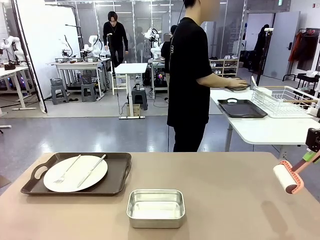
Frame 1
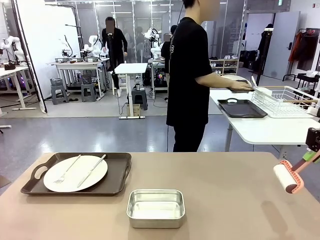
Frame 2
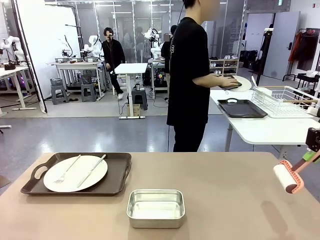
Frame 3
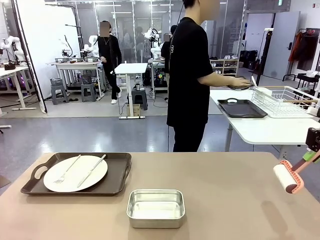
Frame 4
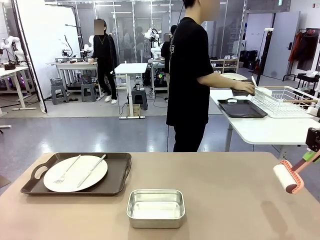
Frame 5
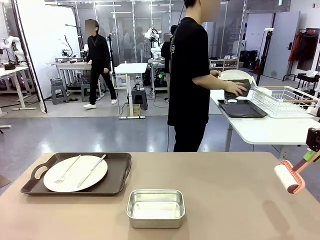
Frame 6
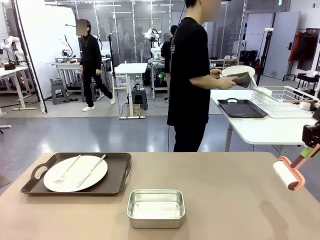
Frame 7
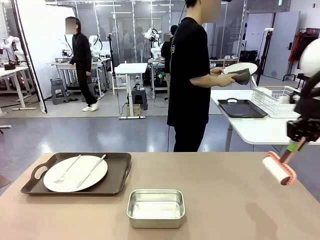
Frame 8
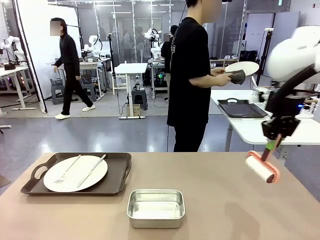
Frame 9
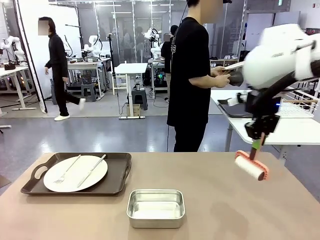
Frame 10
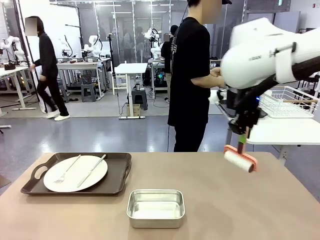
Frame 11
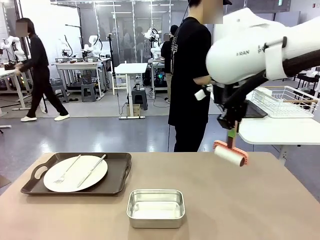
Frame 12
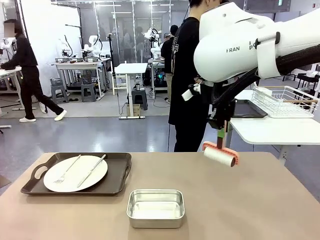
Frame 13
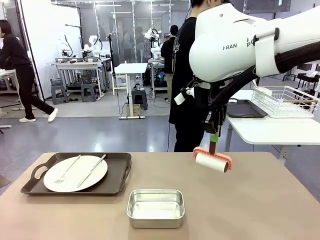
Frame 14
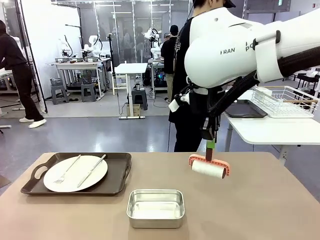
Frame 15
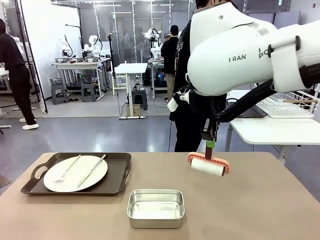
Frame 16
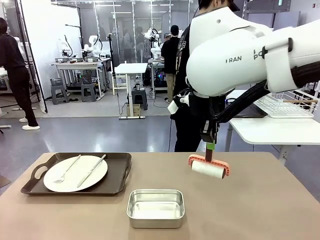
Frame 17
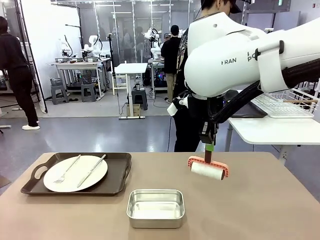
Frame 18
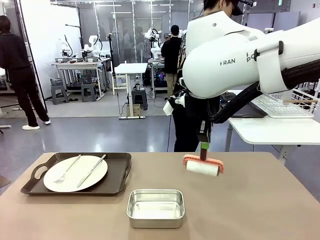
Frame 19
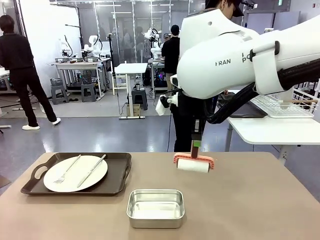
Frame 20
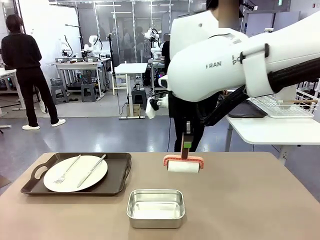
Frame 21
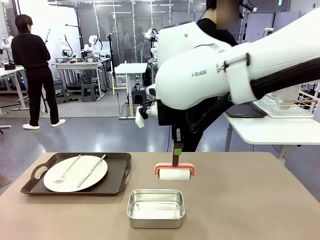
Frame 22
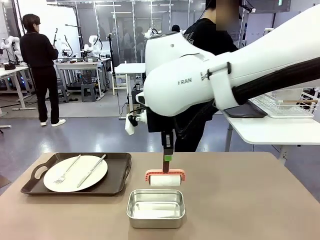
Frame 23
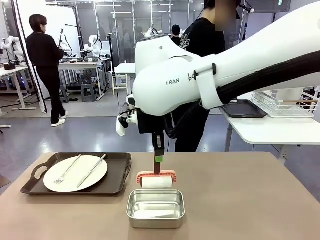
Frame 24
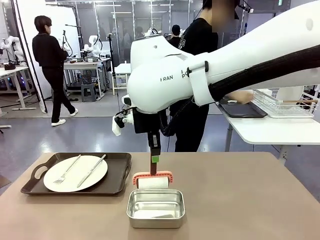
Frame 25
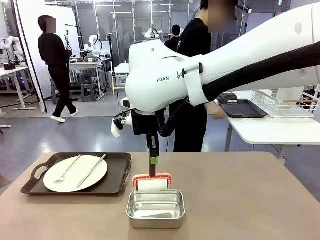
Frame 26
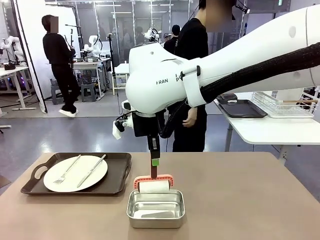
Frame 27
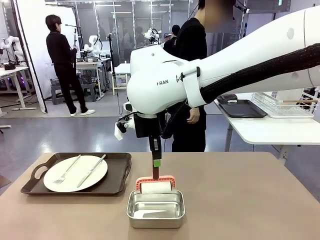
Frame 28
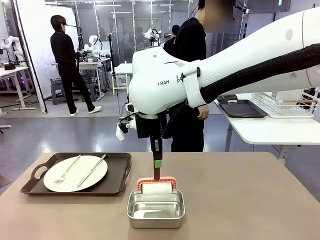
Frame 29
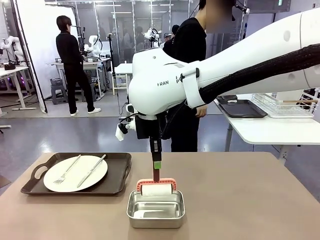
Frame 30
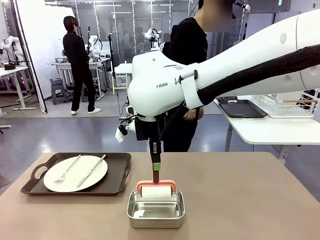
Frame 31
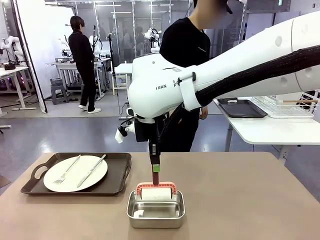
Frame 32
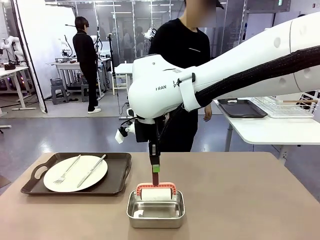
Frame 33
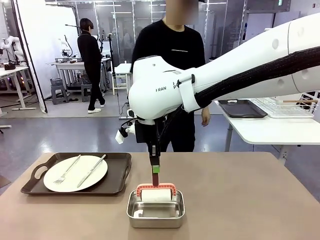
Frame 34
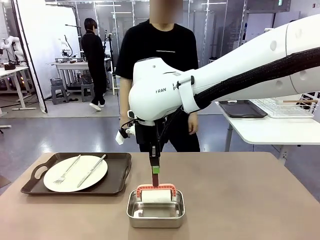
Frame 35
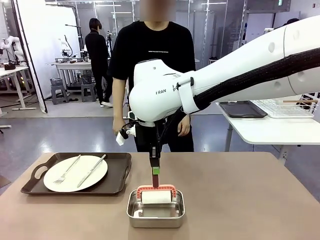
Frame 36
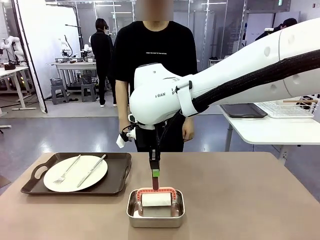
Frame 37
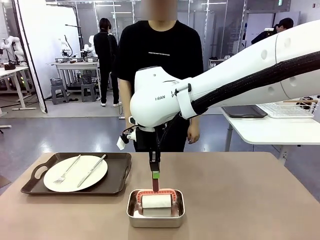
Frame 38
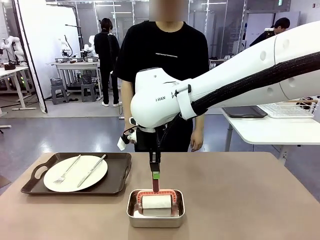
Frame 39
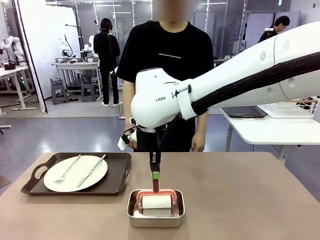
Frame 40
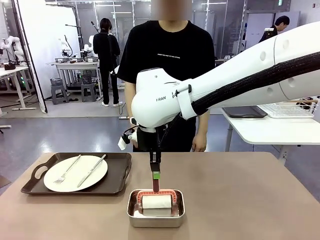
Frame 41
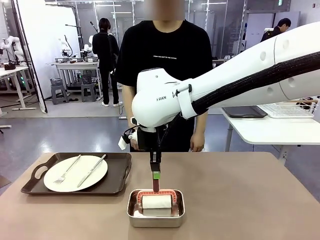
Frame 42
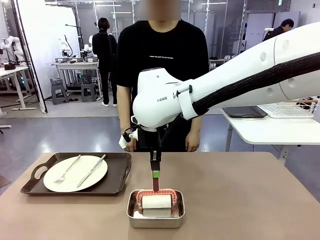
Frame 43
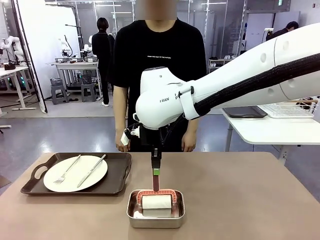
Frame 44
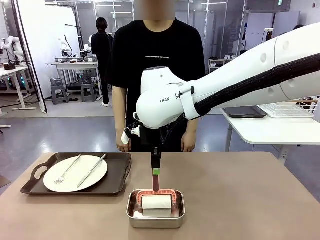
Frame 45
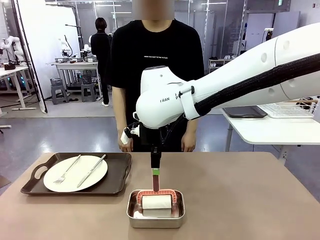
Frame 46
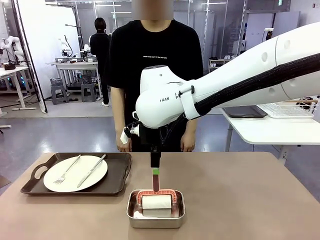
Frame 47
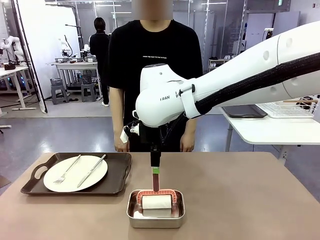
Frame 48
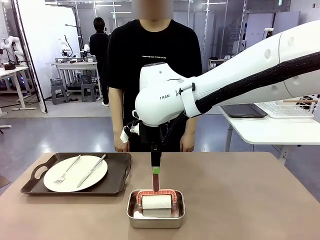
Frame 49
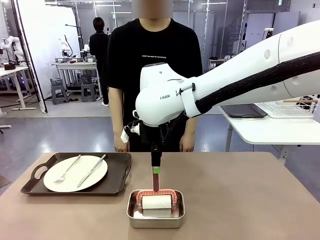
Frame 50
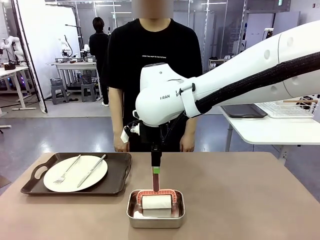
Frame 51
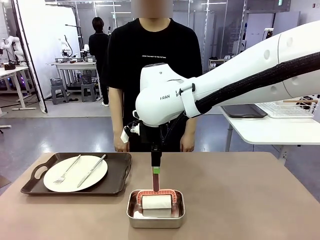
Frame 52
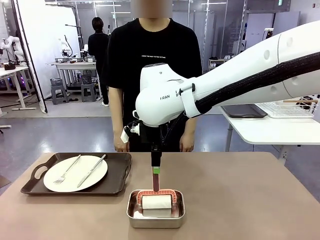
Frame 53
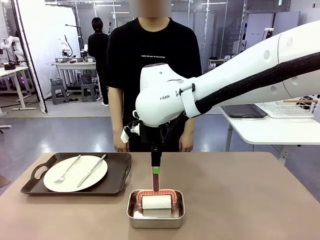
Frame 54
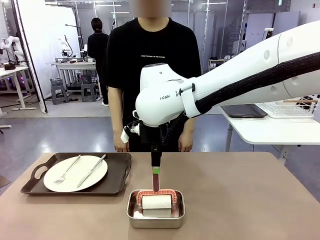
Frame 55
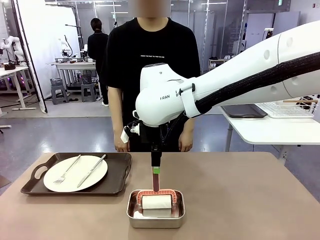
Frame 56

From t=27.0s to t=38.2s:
Robot: Place the Lint Roller back on top of the Airtight Container.

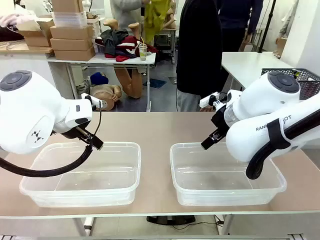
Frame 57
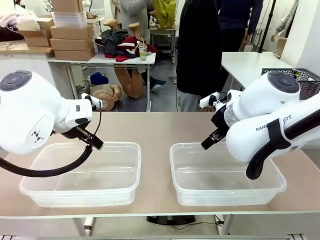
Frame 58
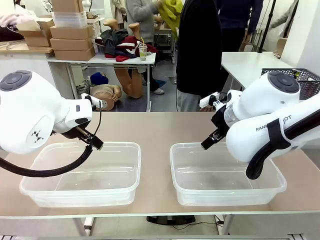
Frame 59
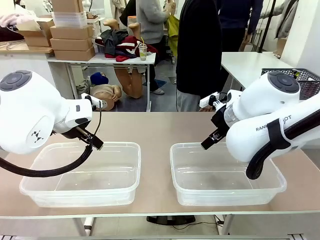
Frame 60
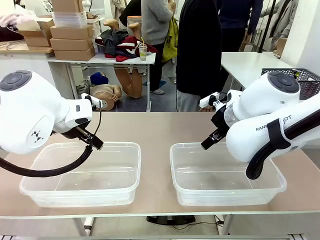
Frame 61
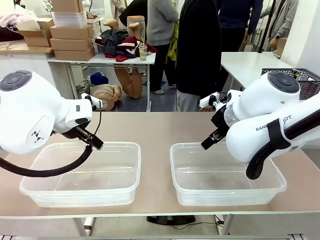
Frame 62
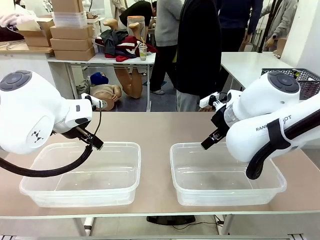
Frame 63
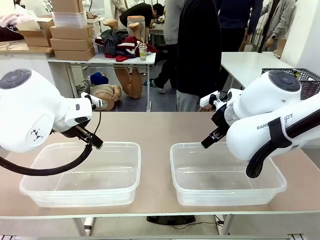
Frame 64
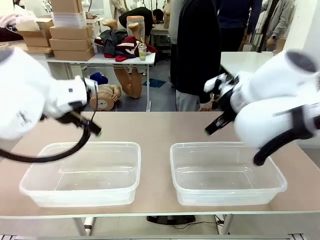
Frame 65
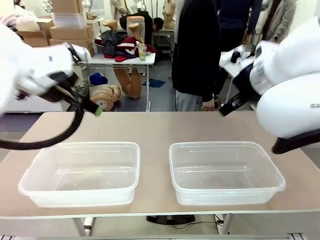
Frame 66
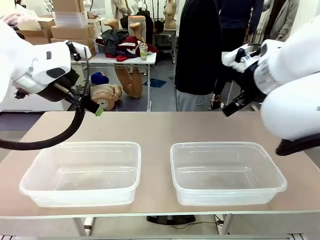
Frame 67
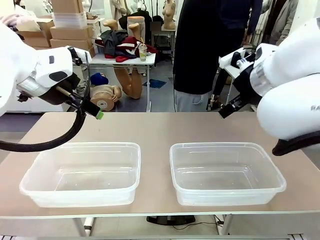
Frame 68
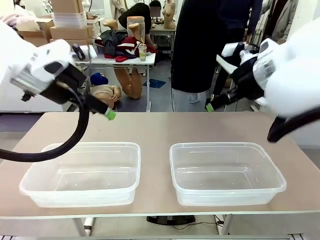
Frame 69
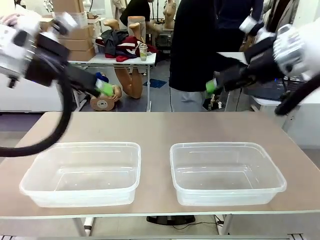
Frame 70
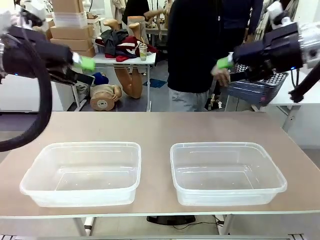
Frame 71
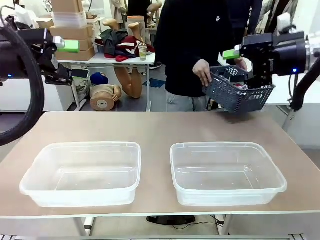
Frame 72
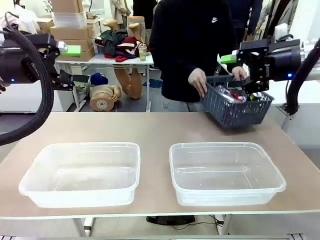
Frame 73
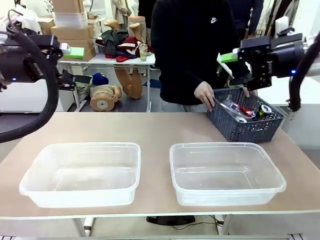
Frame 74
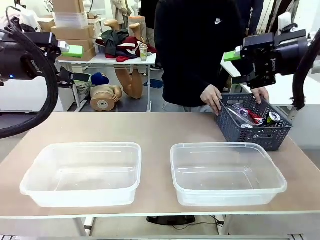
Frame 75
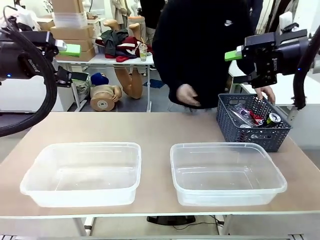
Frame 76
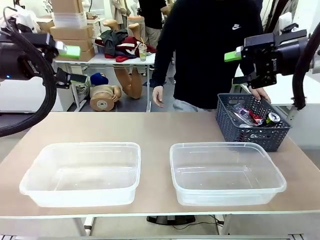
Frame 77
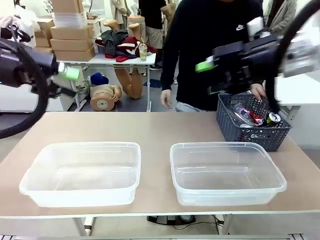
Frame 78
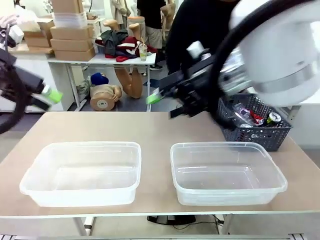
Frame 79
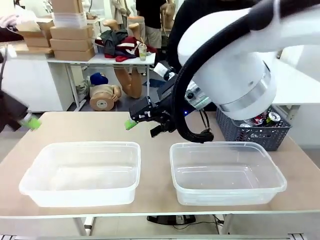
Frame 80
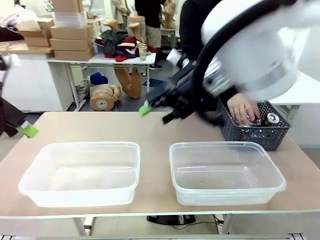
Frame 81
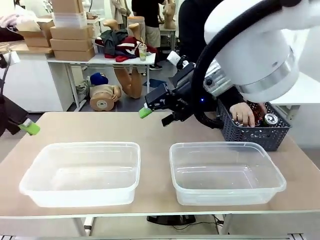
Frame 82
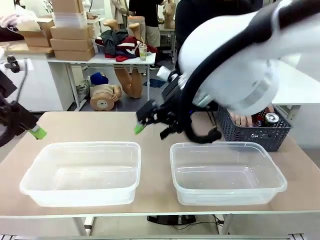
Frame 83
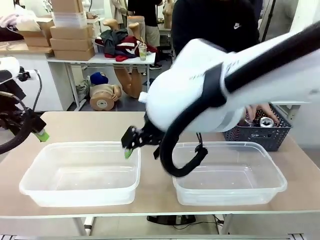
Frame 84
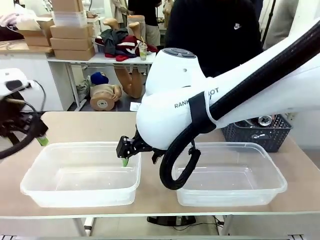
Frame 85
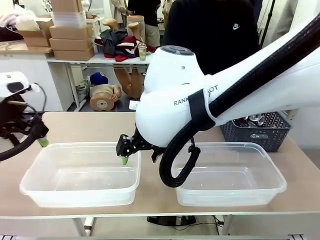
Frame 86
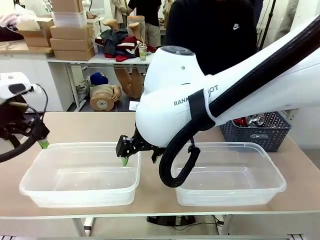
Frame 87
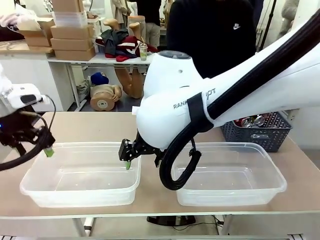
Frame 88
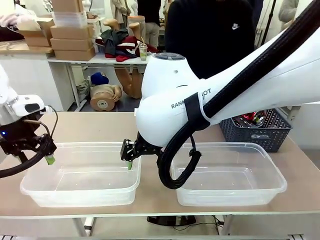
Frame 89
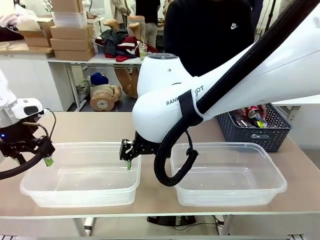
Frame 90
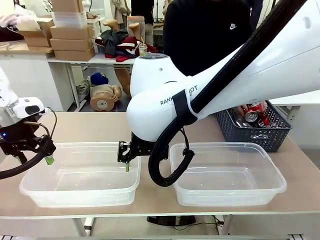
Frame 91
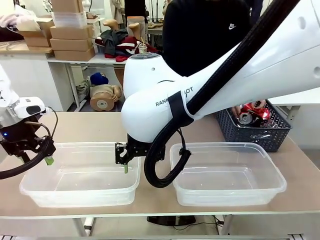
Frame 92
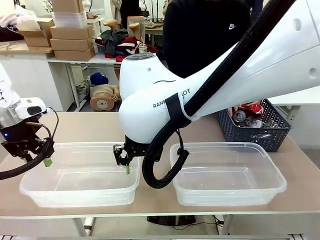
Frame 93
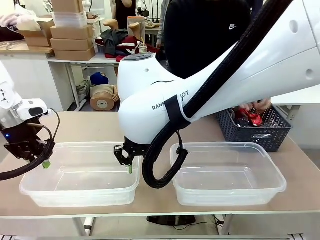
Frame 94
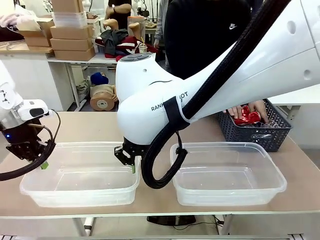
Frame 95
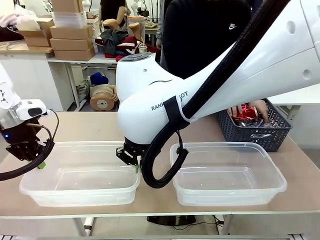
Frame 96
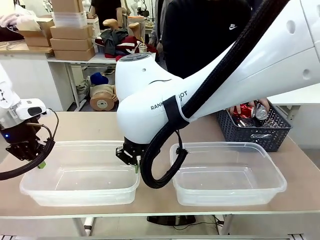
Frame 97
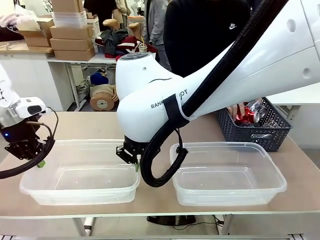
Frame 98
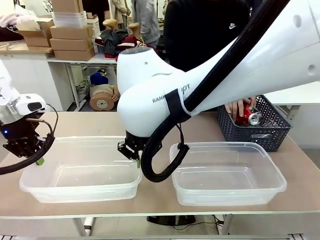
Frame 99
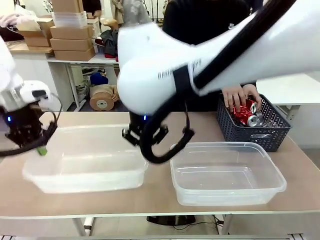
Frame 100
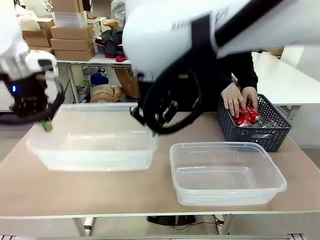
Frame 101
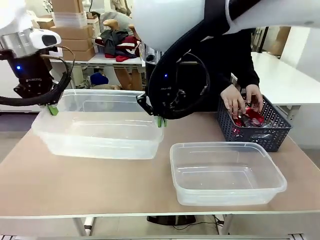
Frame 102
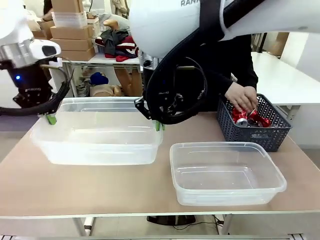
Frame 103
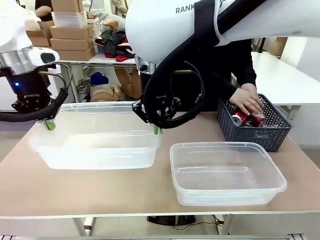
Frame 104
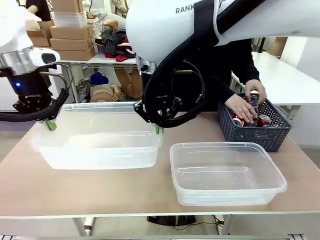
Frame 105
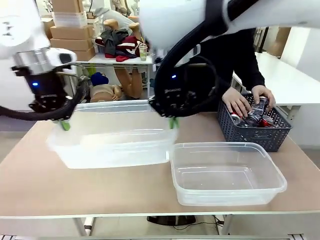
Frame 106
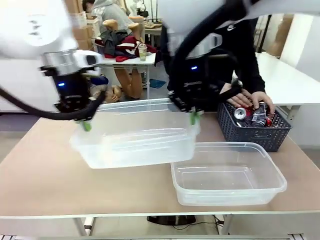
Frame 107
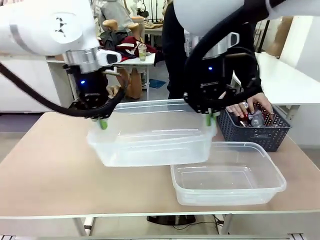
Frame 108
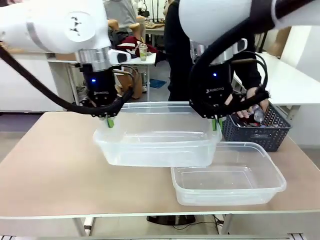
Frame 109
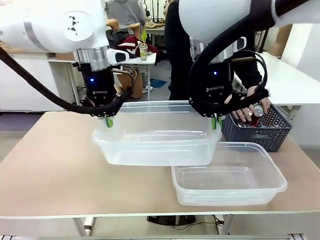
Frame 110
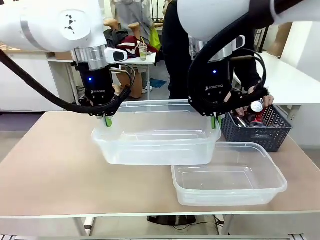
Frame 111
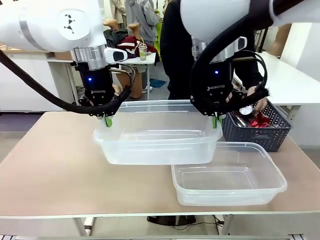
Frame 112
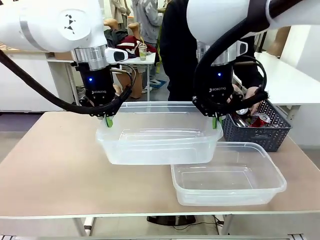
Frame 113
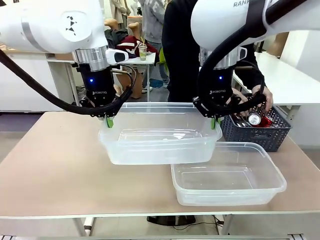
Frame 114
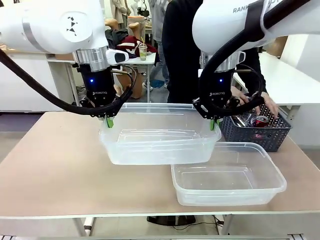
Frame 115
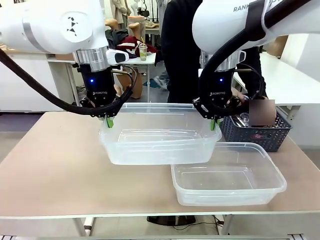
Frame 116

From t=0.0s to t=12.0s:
Robot: Pick up the Organizing box on the left side of the table and lift it.
Person: Pick up the storage basket and place it on the left side of the robot table. Pick up can-shaped waste one by one and place it into the organizing box lifted by the robot.
